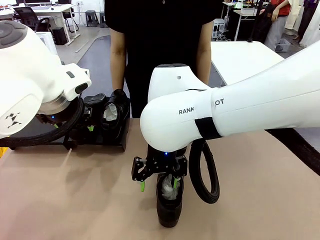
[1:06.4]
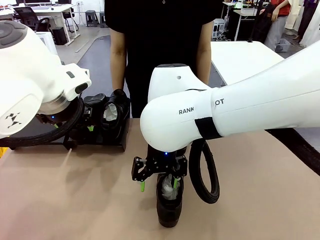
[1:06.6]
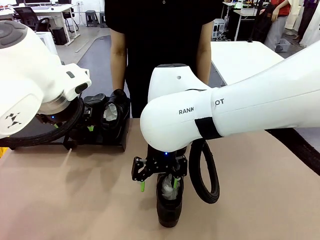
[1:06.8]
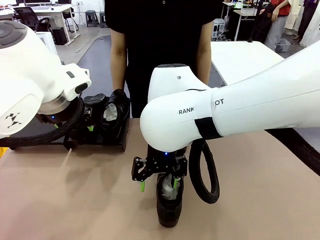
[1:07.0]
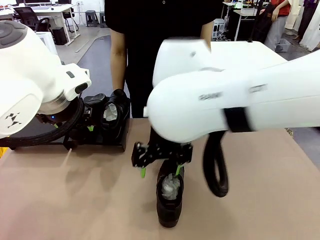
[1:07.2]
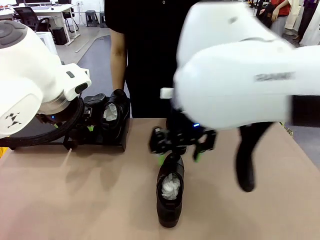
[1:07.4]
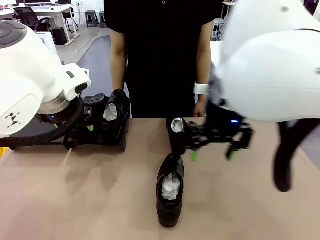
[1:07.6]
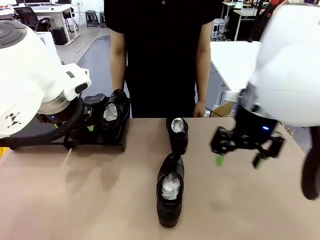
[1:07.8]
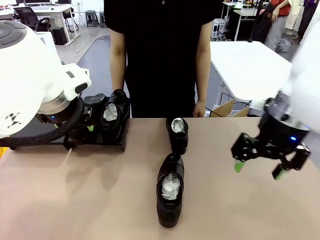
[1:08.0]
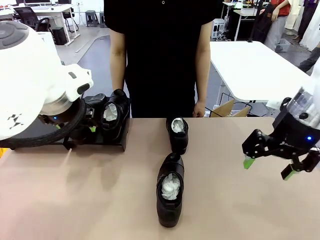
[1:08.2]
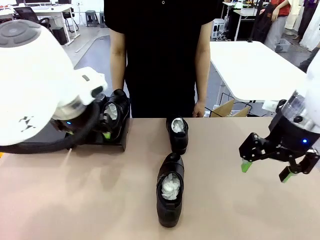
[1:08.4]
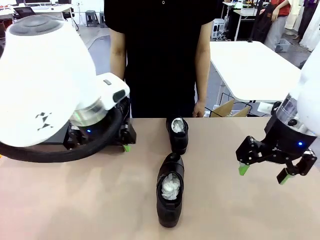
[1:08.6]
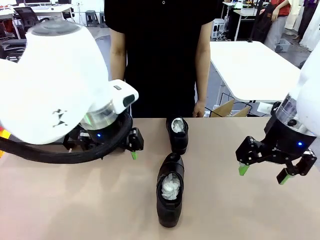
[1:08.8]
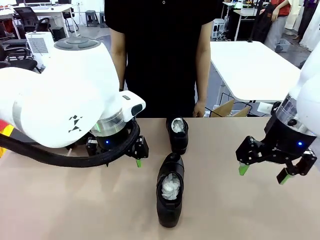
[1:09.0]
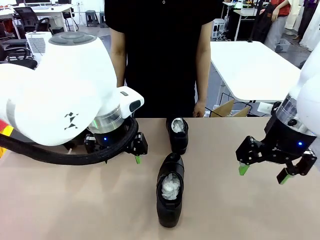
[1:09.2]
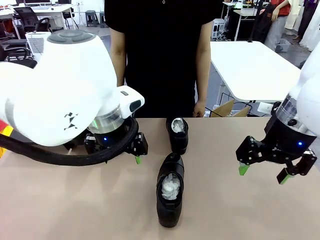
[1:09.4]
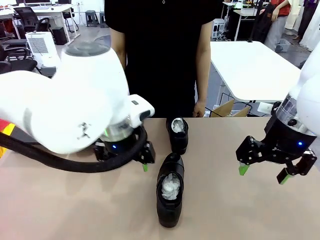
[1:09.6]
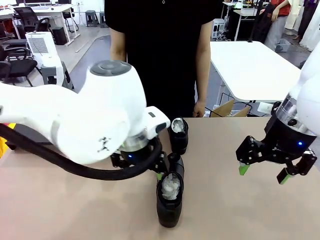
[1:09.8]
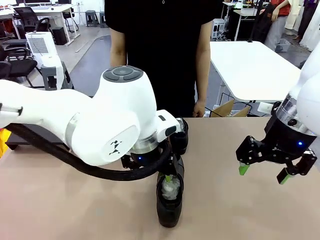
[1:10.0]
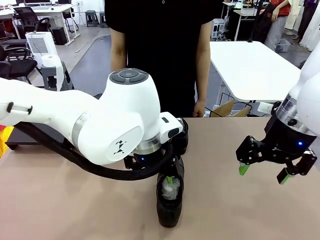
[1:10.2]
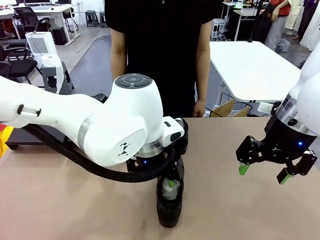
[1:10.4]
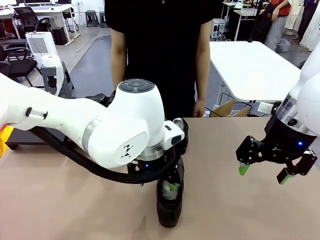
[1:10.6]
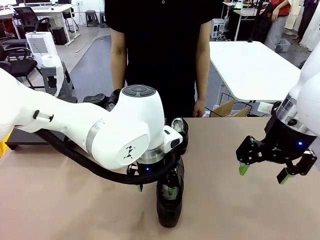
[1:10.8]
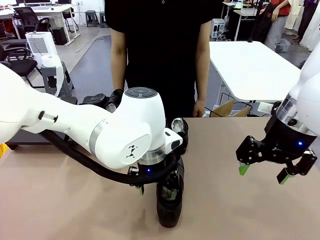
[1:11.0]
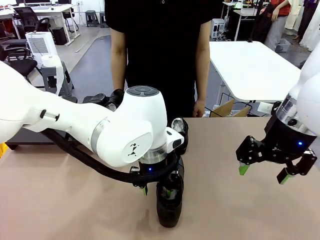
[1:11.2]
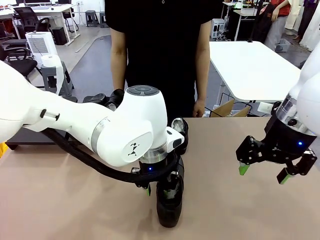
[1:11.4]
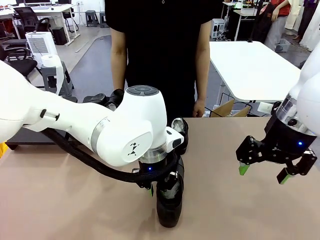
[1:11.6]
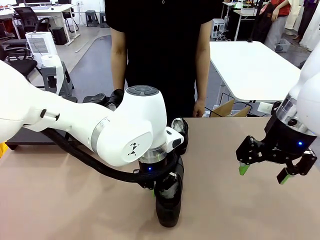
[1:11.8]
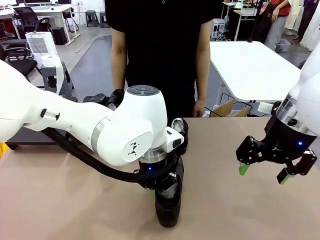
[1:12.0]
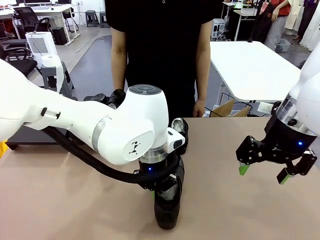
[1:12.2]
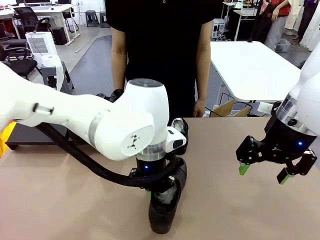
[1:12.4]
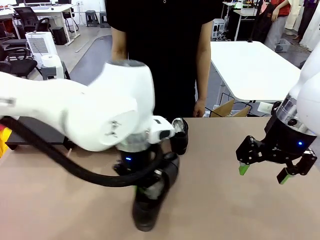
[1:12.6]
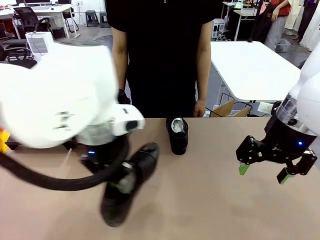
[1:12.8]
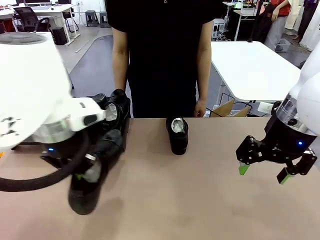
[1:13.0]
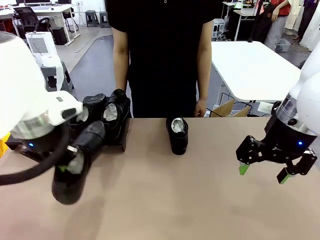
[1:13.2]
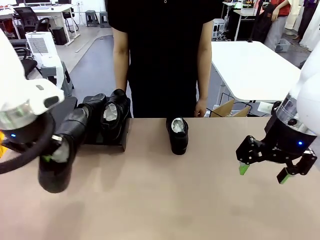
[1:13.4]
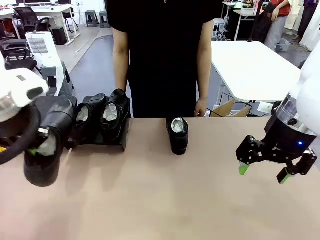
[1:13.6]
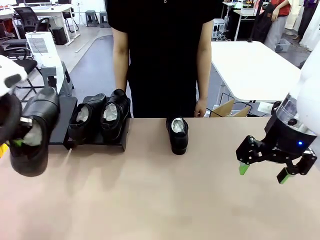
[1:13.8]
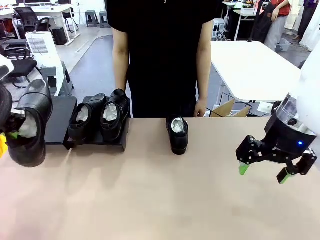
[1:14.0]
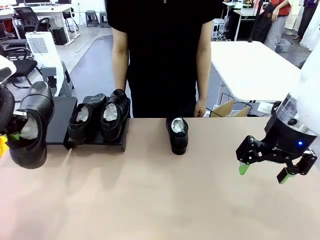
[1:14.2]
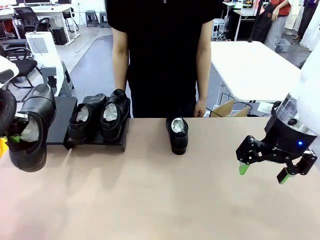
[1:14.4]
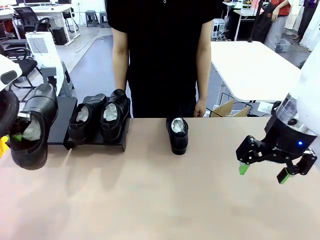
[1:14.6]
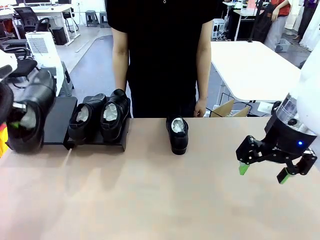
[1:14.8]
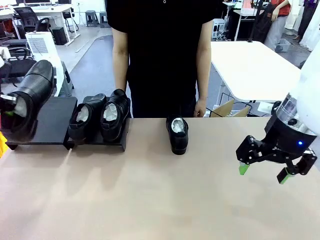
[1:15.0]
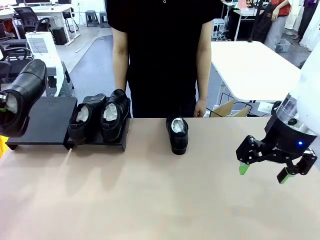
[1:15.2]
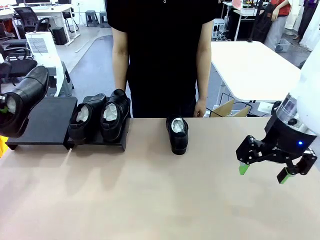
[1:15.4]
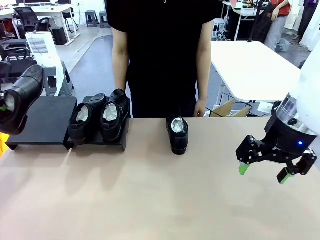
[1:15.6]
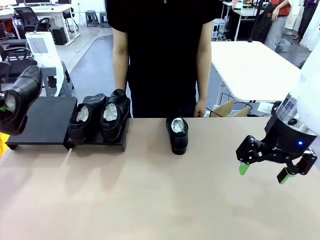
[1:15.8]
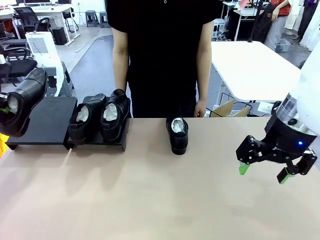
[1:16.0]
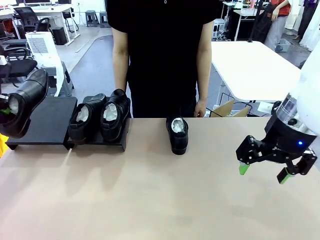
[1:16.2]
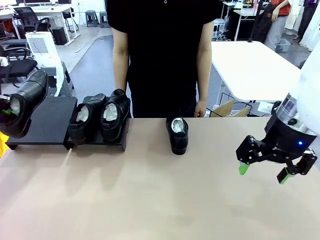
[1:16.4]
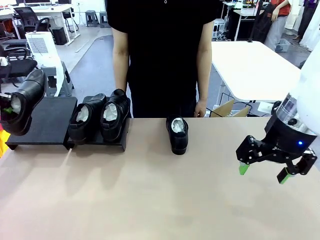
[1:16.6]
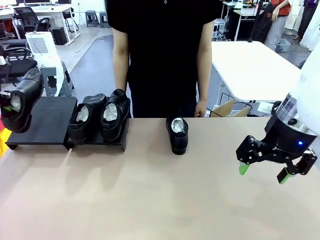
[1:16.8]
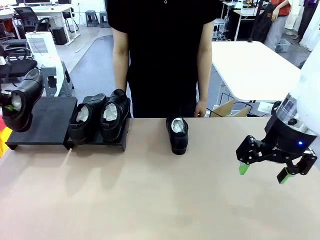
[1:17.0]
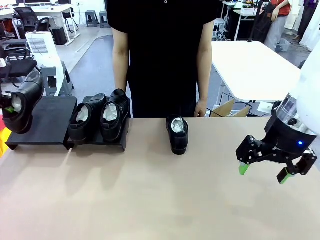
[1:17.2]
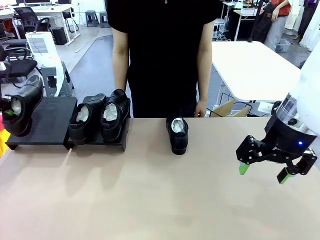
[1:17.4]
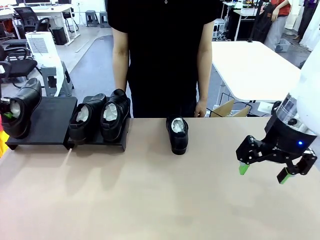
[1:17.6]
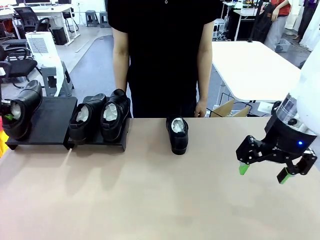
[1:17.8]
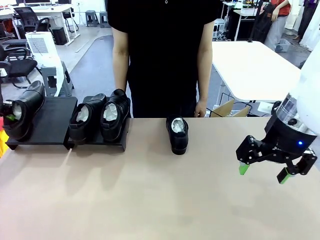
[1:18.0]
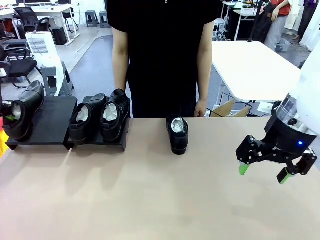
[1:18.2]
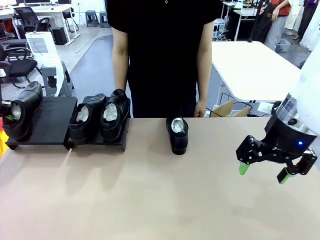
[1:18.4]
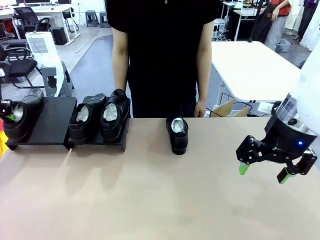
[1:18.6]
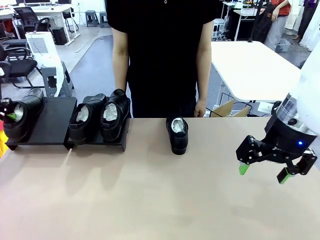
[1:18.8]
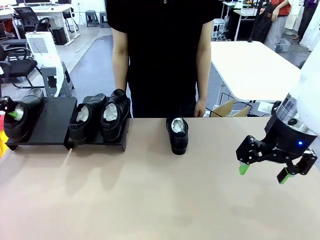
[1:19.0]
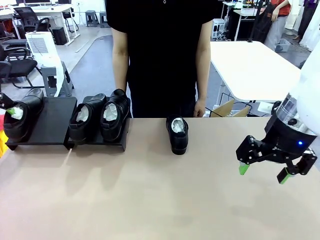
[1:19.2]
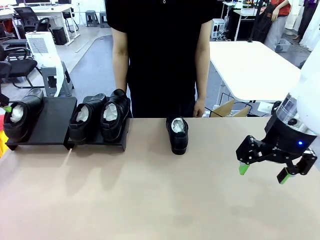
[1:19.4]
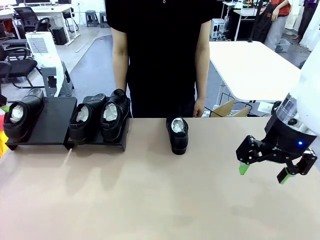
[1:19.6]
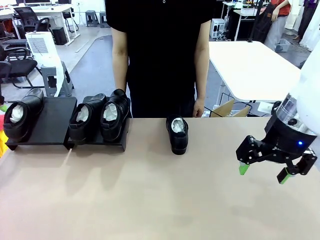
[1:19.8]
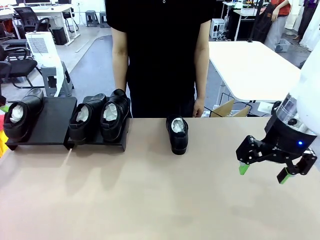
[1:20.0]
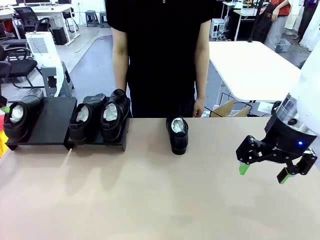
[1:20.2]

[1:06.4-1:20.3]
Task: Organize the shoes by placing them on the stand.
Robot: Place the Shoe from the middle of the table onto the Shoes Stand.

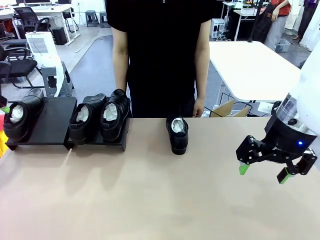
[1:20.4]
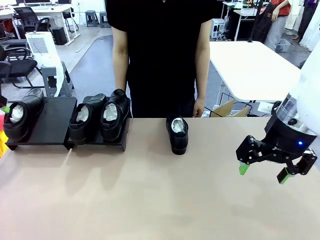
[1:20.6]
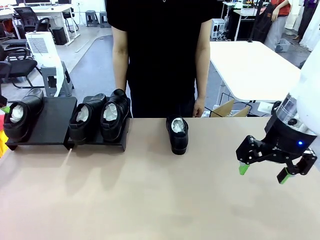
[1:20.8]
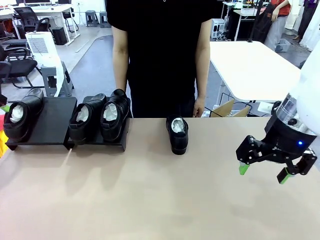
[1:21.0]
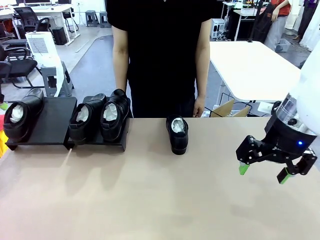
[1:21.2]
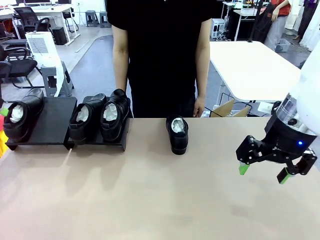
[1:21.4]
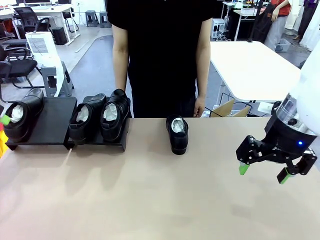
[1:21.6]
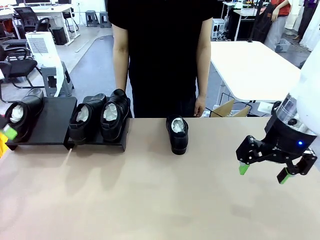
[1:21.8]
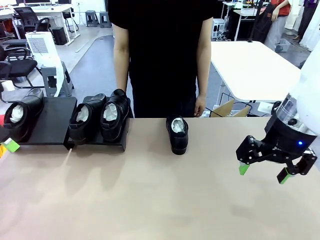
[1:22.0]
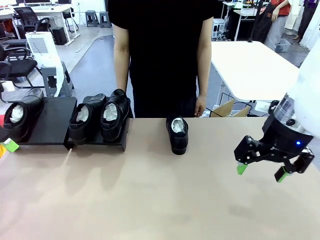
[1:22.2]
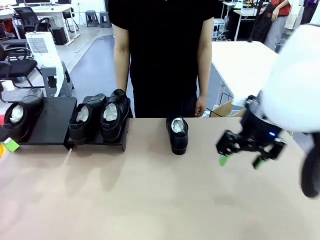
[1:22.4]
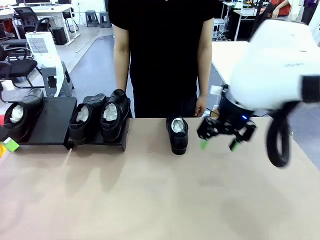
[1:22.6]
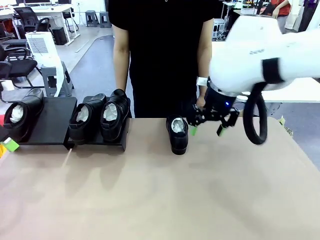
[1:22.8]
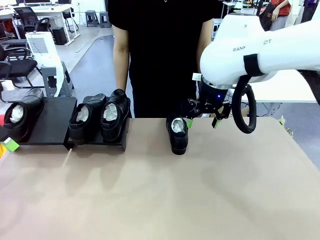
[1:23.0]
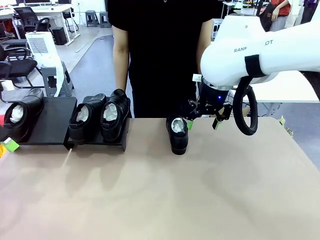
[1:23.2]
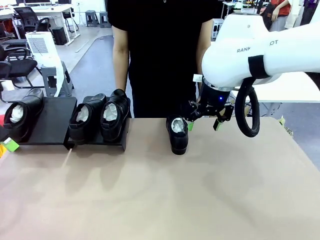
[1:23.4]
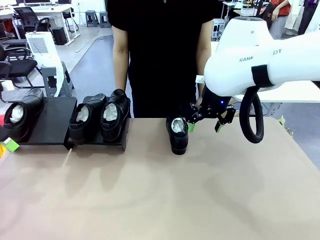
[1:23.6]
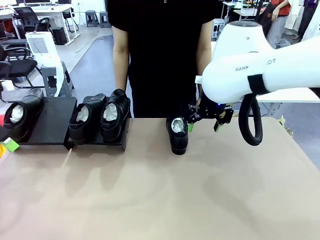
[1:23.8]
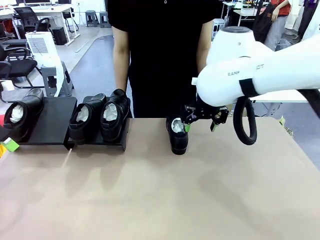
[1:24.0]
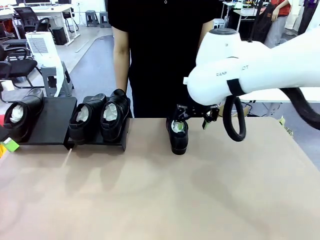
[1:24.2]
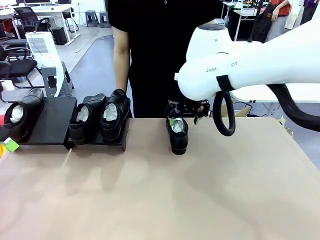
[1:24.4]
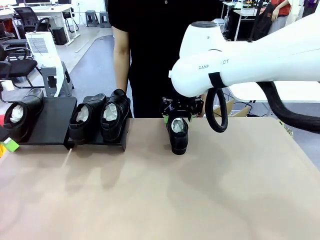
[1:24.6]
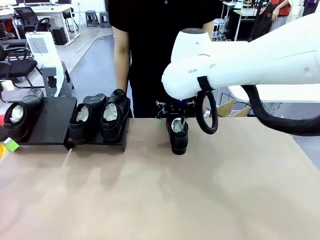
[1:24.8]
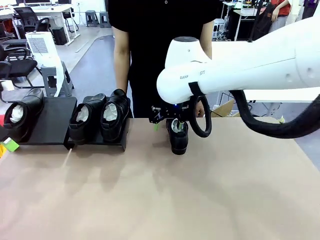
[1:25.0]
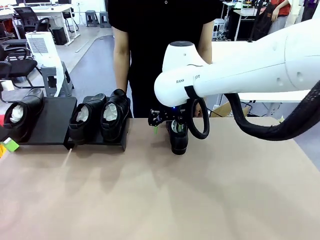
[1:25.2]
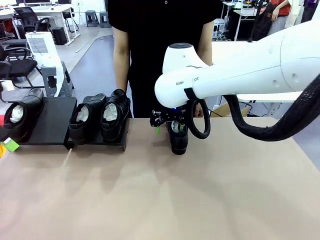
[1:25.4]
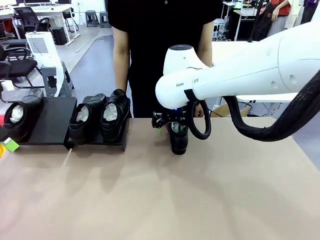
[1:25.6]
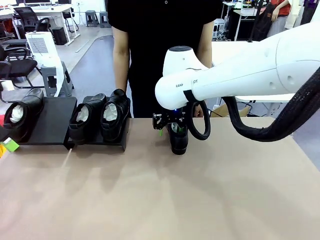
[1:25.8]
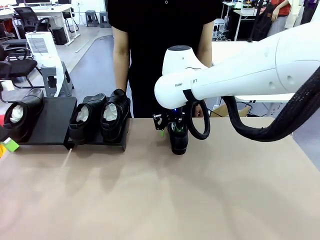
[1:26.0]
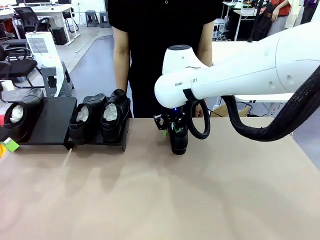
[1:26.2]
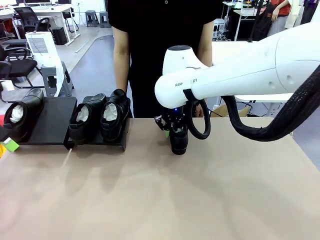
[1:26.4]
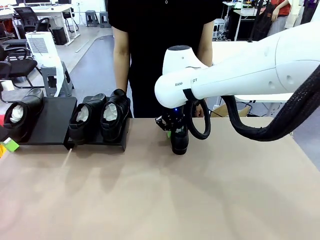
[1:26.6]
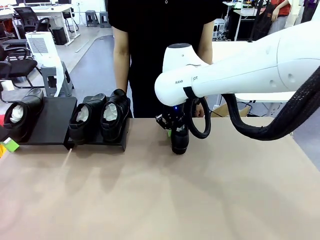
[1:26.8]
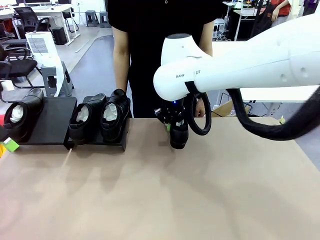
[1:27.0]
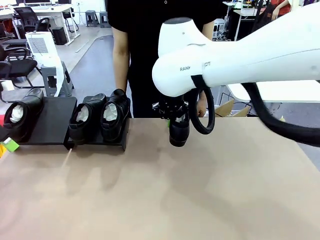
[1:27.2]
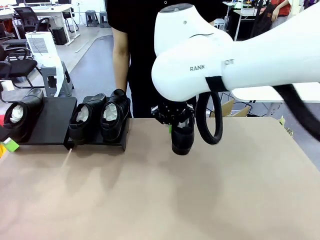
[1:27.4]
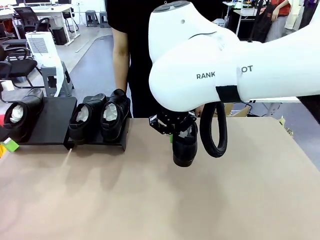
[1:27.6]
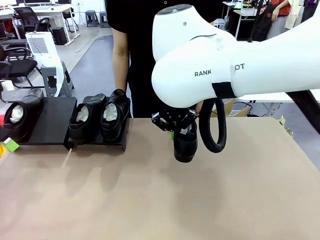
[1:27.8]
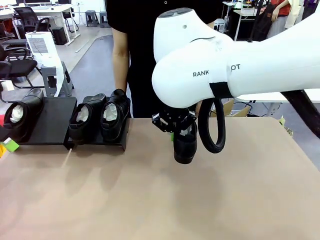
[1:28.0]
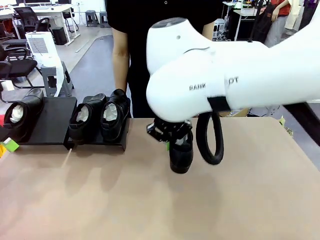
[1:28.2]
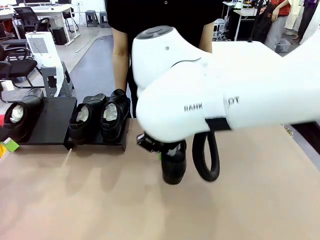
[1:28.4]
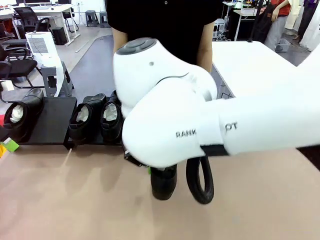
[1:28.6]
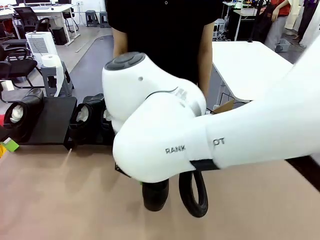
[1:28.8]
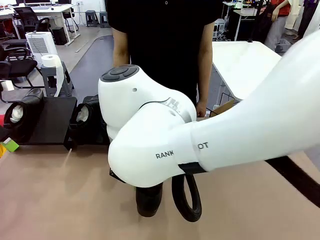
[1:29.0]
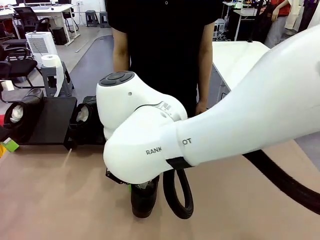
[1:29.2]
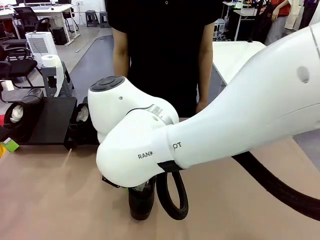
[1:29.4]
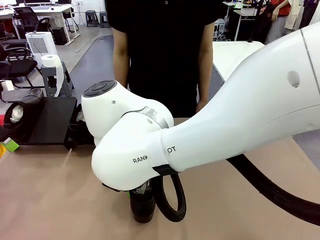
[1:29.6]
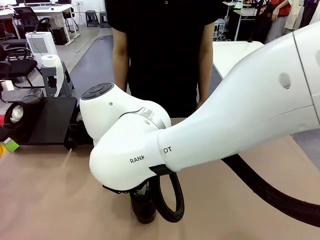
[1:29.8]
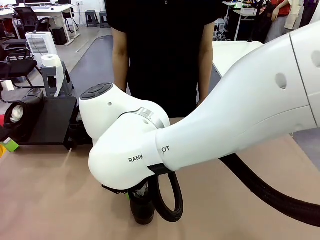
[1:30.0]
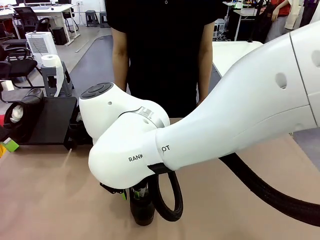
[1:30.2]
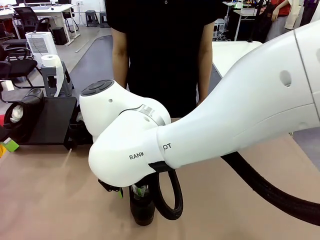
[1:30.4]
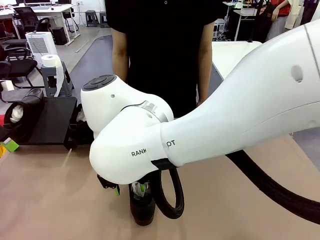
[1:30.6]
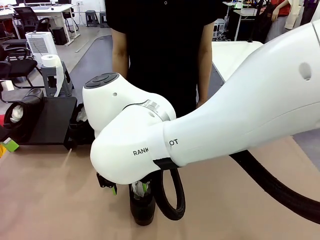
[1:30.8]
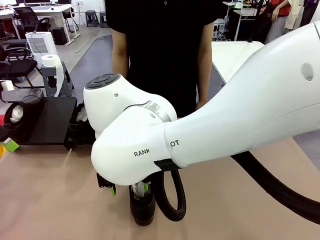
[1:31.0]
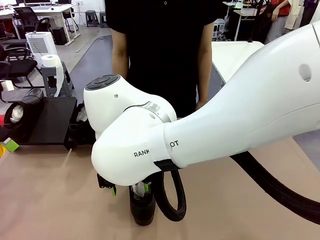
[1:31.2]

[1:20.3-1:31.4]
Robot: Pick up one Shoe and place it in the middle of the table.
